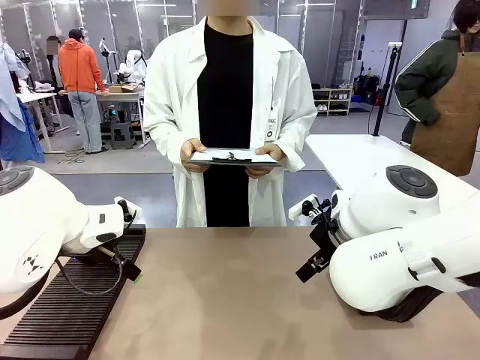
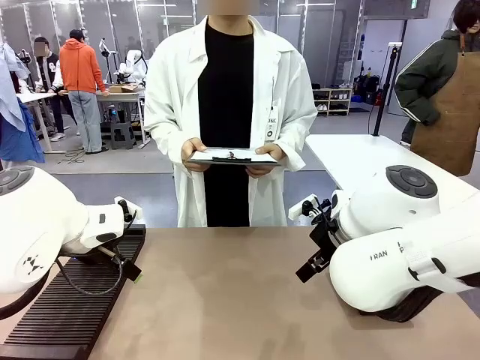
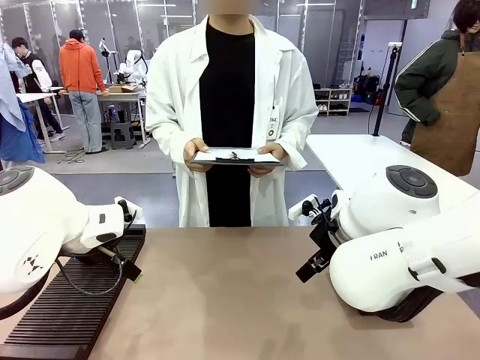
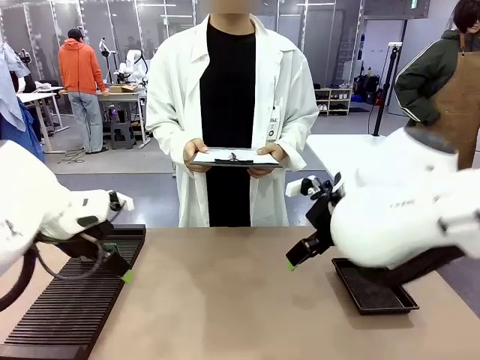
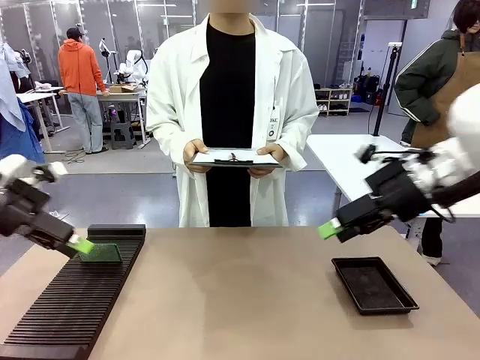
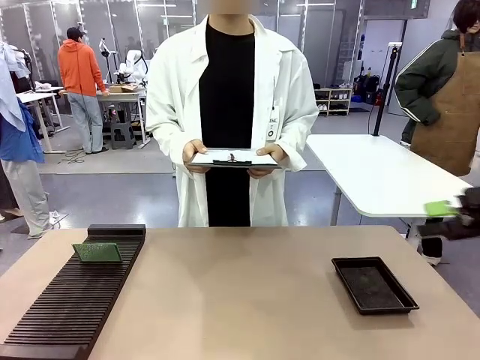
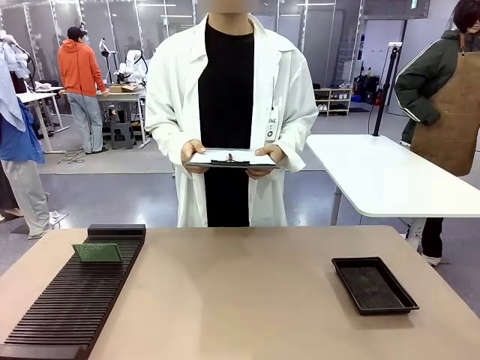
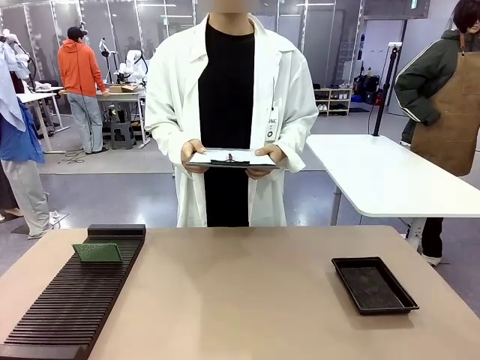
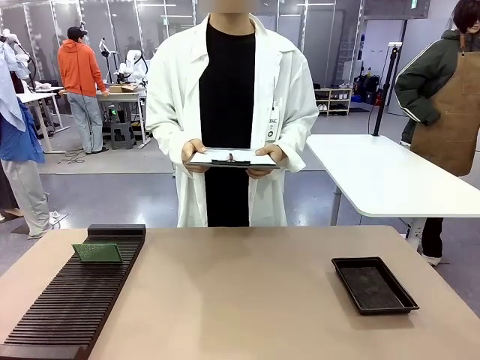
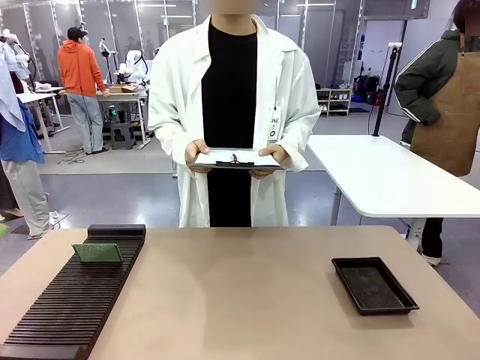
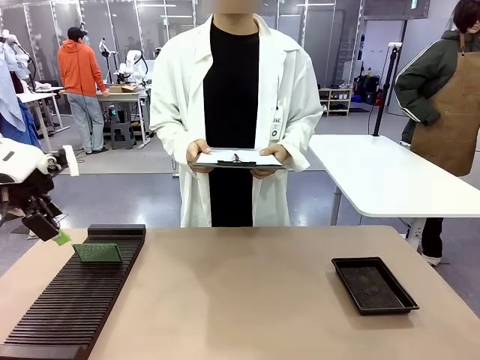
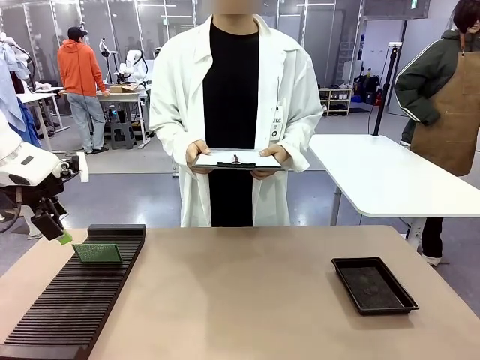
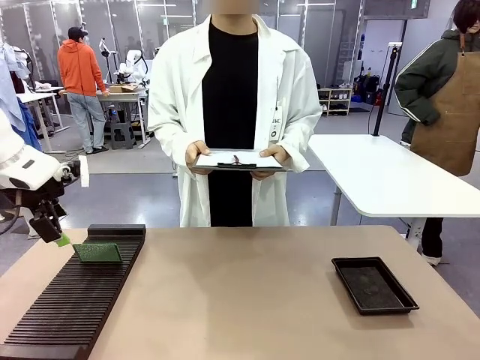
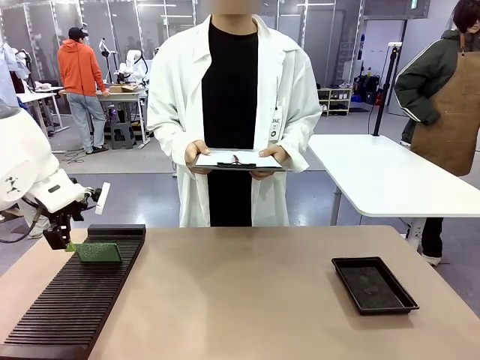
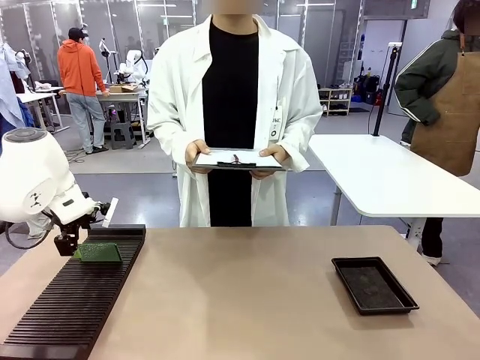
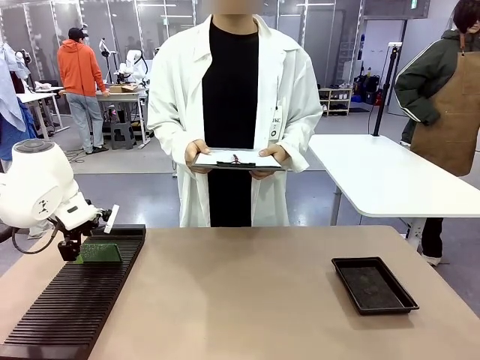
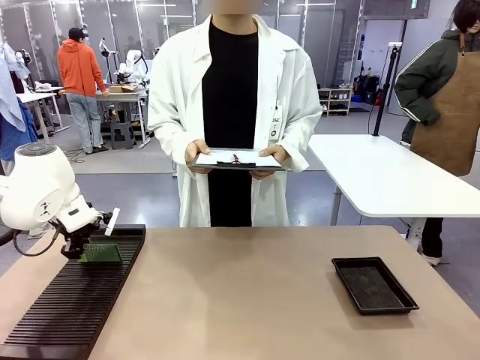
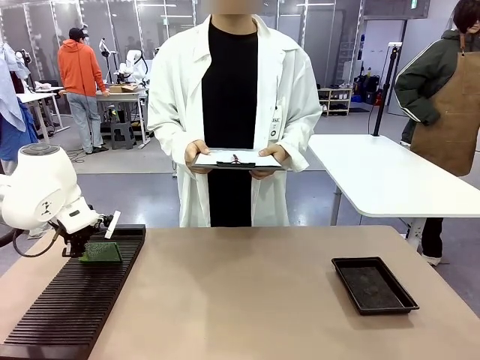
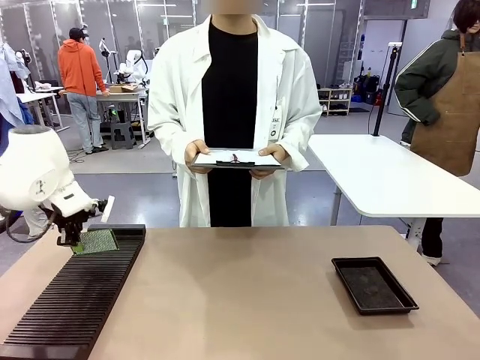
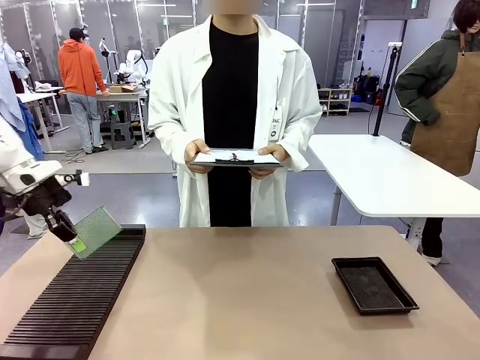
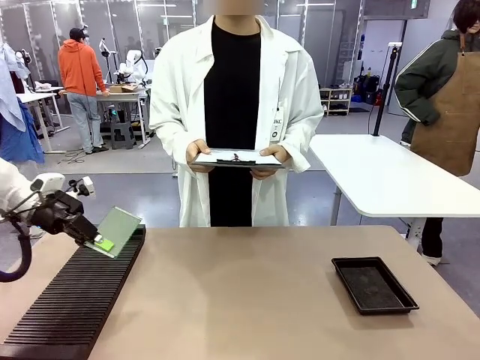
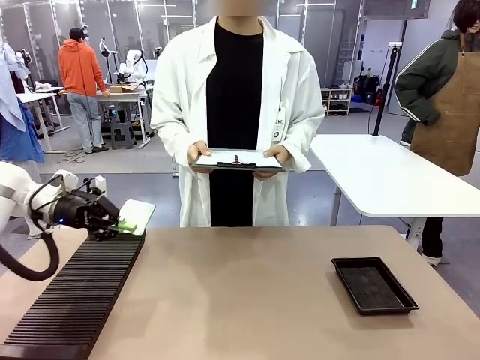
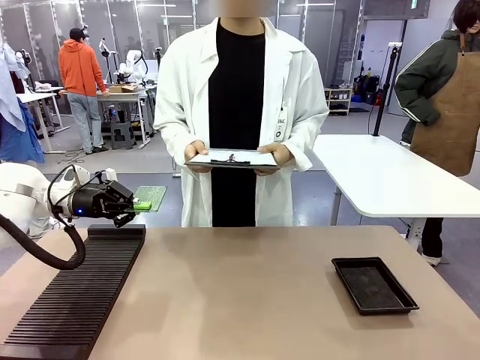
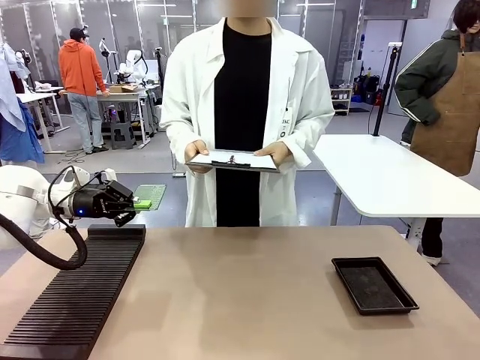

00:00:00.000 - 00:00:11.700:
Task: Inspect the PCB.
Robot: Pick up the Blank PCB and present it to the human.
Person: Pick up the PCB presented by the robot.

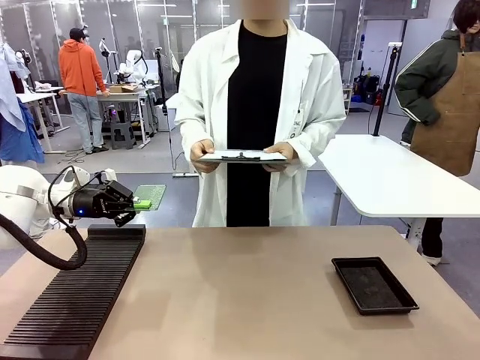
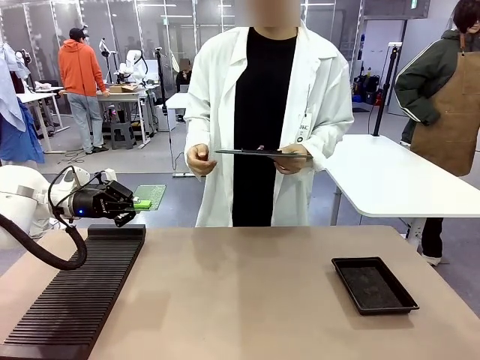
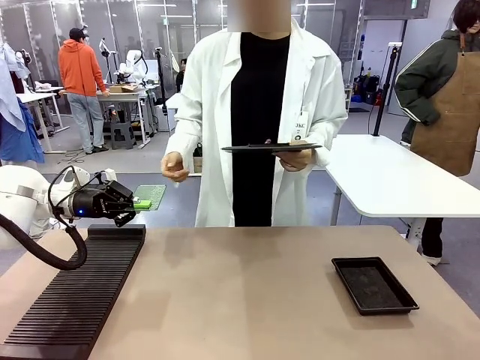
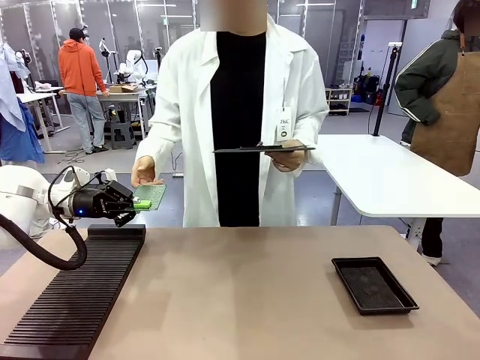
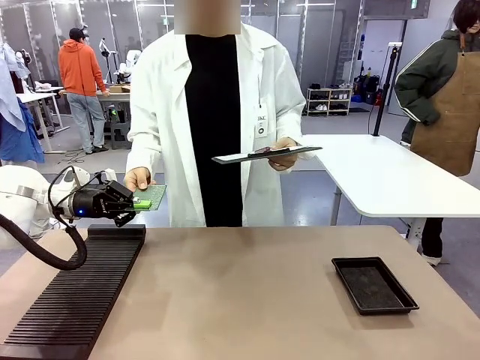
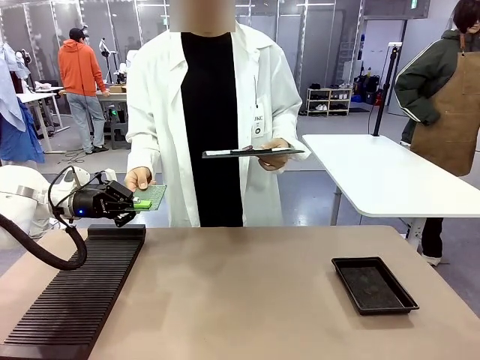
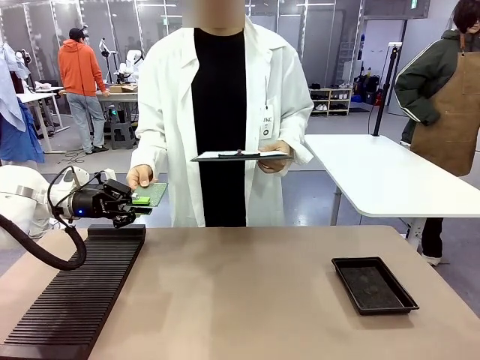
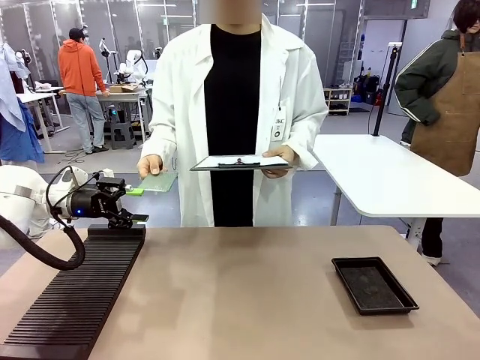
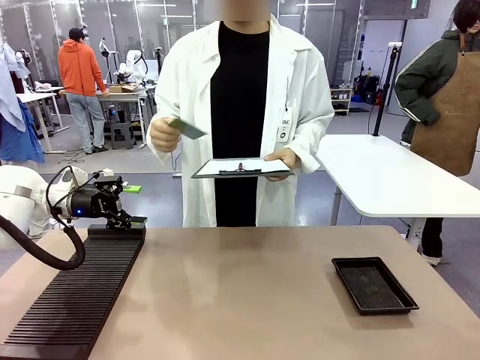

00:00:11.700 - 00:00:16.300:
Robot: Release the Blank PCB you were holding.

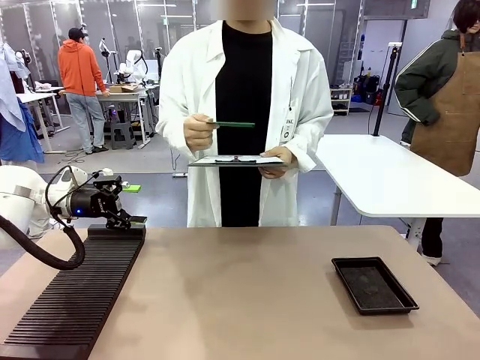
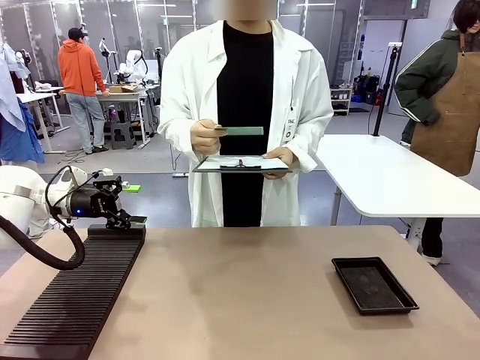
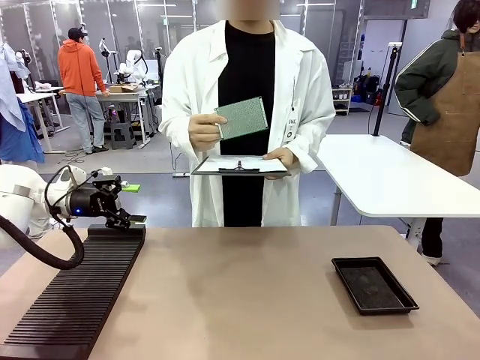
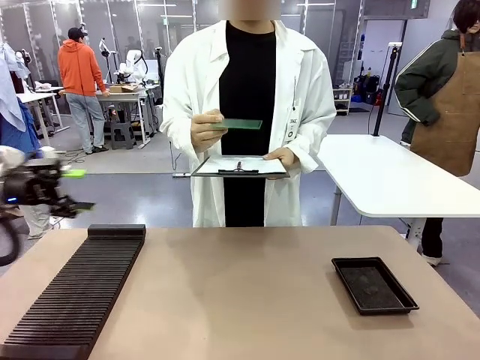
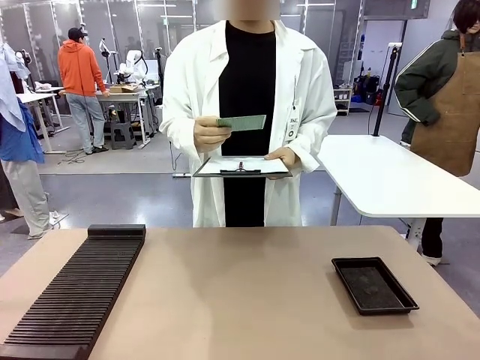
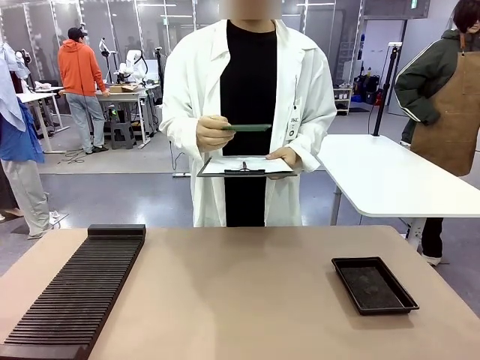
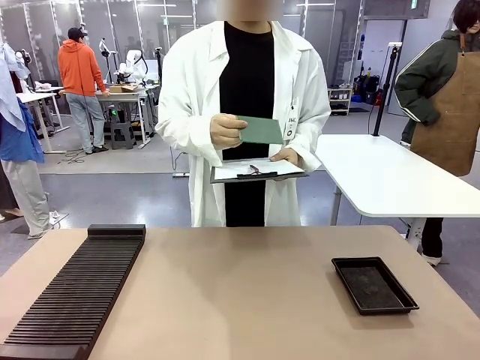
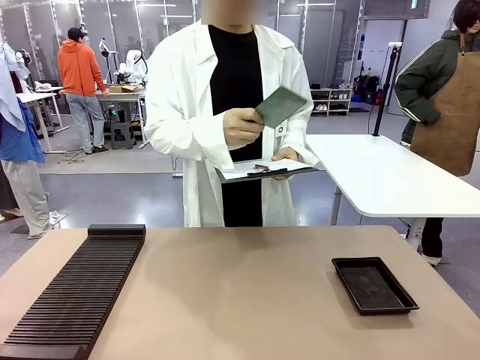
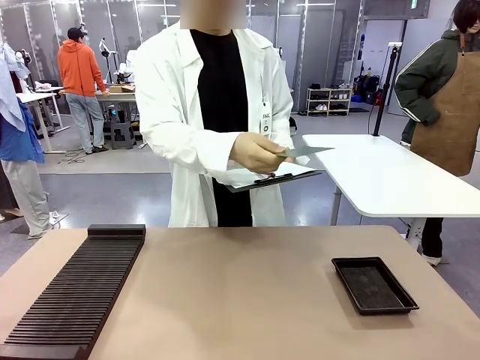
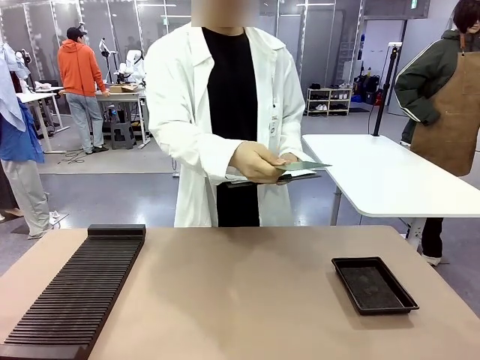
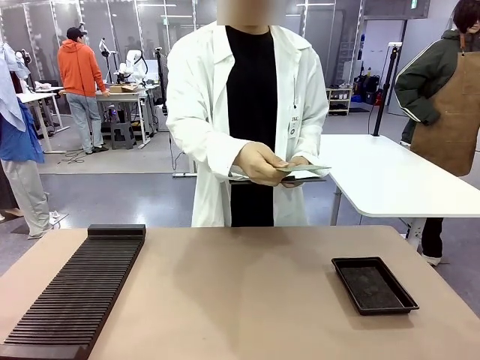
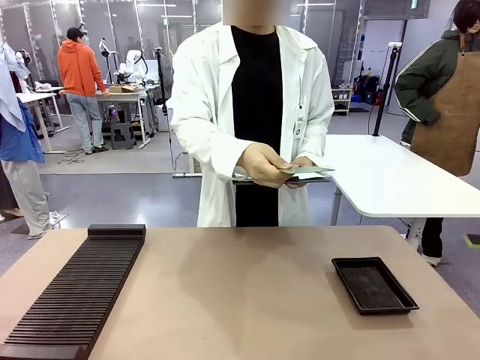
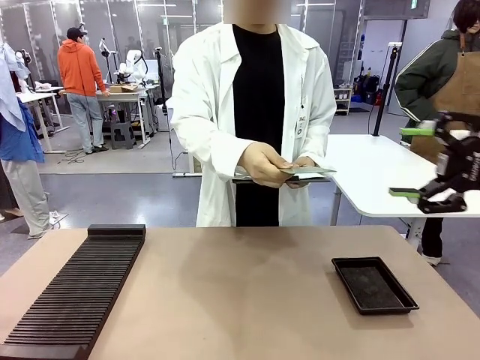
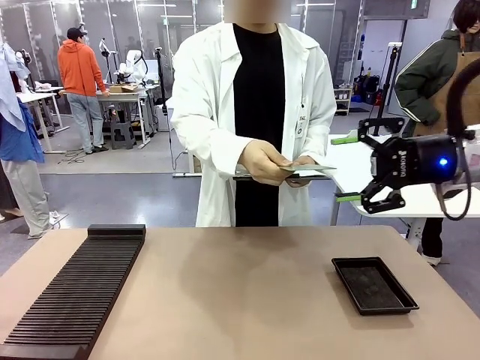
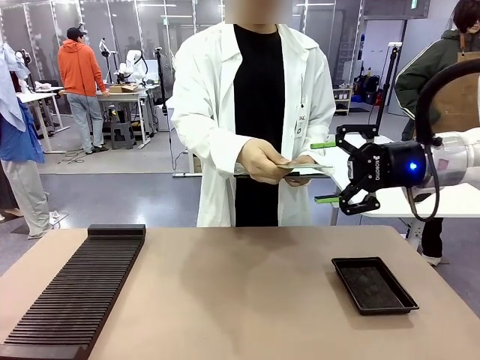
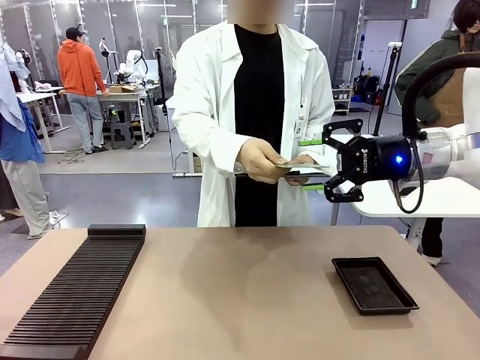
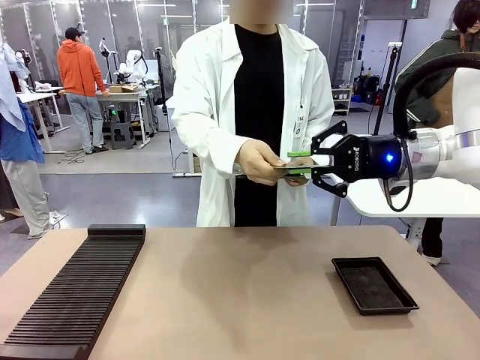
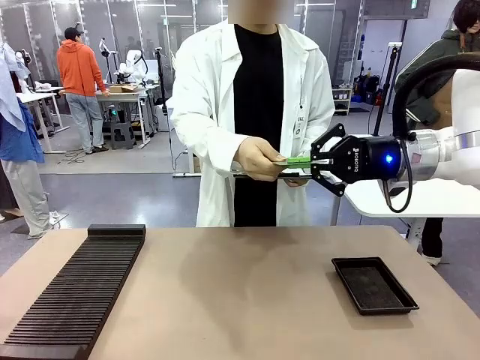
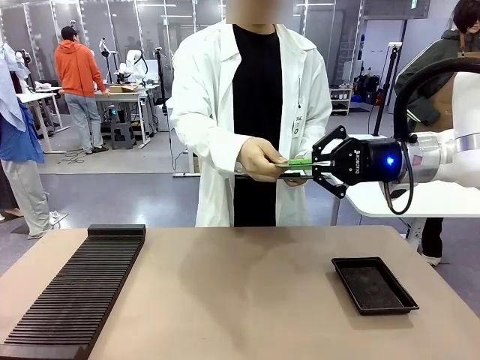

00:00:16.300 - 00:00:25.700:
Robot: Pick up the Blank PCB that the human is holding.
Person: Inspect the PCB placed by the robot, then hold it out in front of the robot. Release the PCB you were holding.

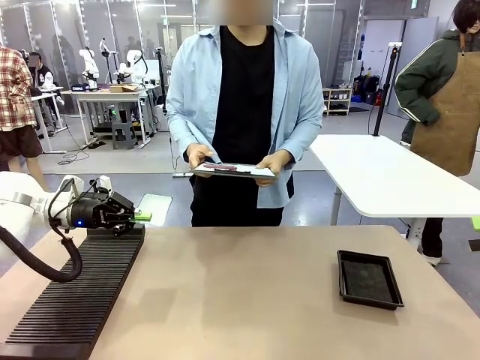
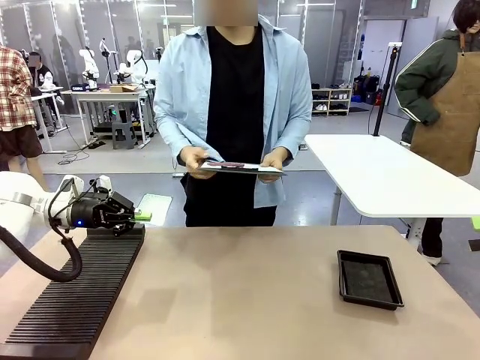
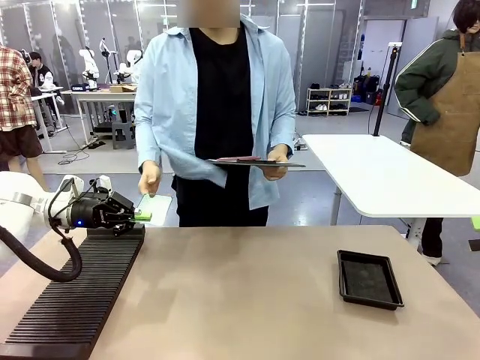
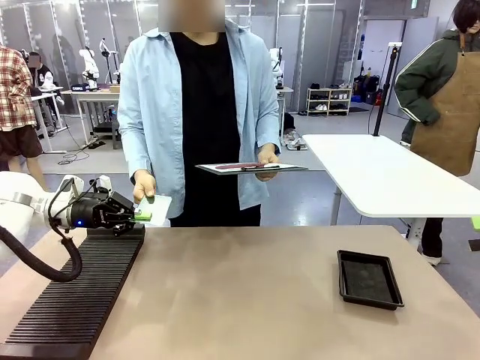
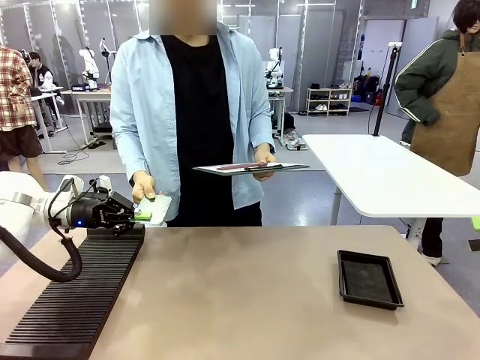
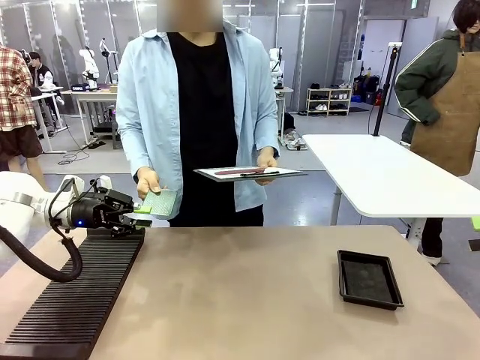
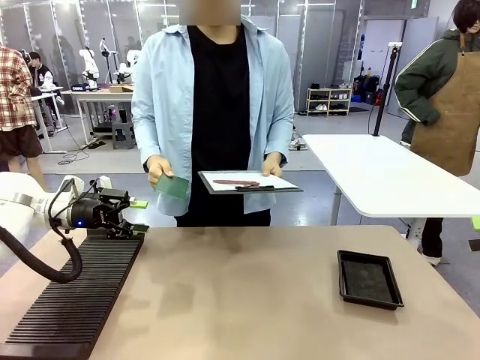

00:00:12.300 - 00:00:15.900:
Task: Inspect the PCB.
Robot: Release the Blank PCB you were holding.
